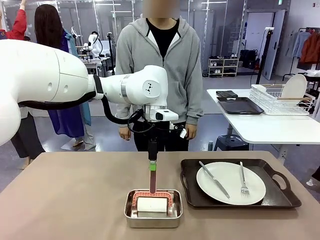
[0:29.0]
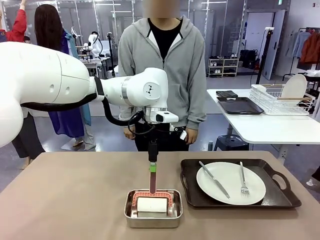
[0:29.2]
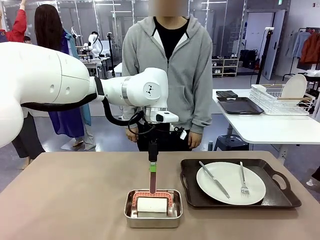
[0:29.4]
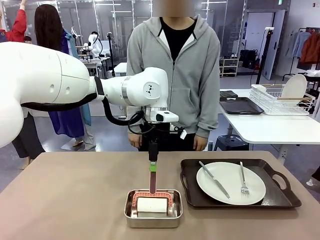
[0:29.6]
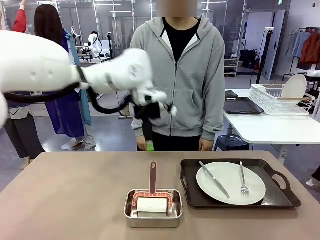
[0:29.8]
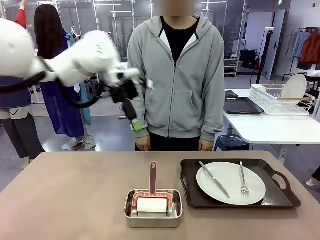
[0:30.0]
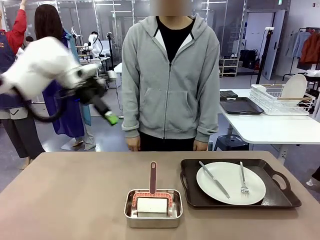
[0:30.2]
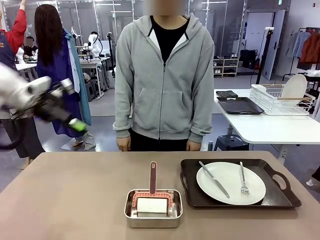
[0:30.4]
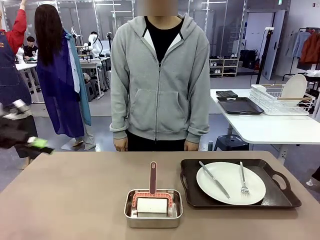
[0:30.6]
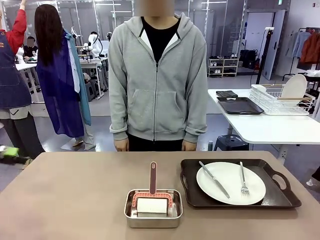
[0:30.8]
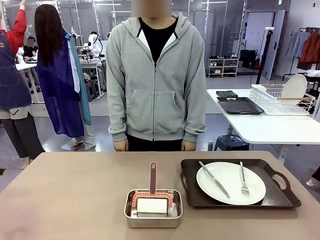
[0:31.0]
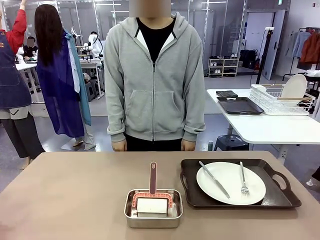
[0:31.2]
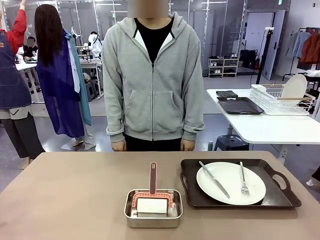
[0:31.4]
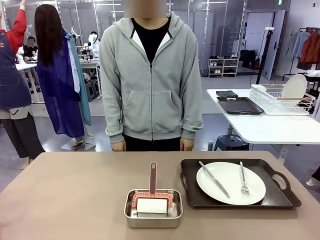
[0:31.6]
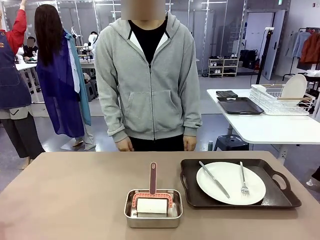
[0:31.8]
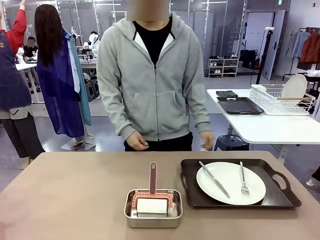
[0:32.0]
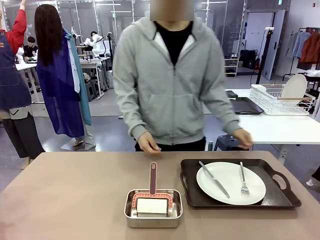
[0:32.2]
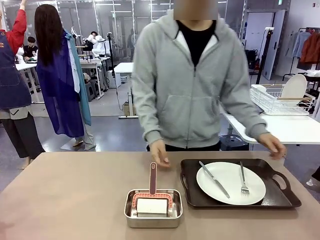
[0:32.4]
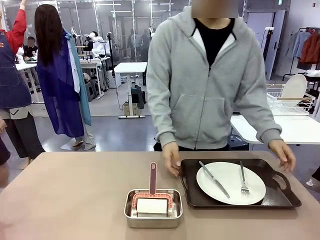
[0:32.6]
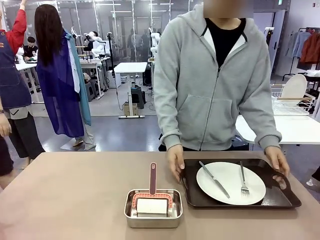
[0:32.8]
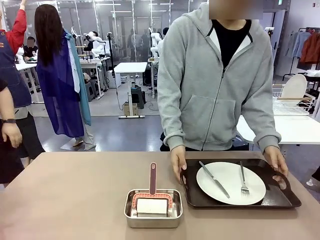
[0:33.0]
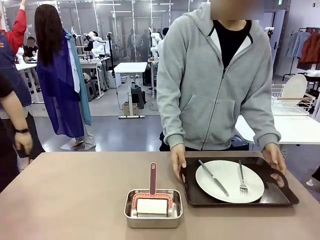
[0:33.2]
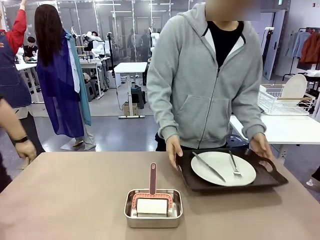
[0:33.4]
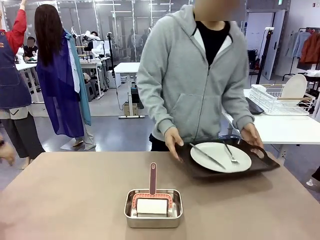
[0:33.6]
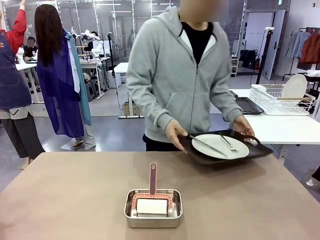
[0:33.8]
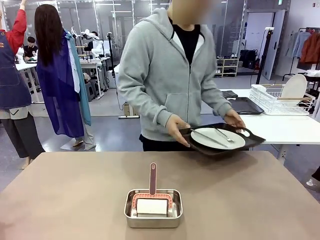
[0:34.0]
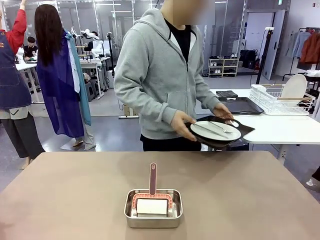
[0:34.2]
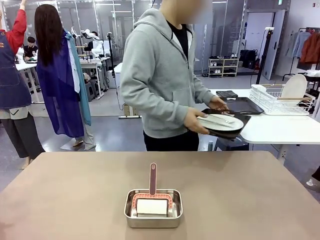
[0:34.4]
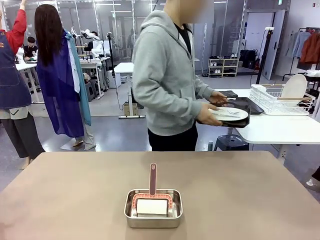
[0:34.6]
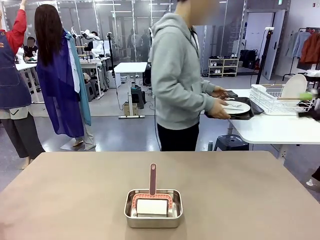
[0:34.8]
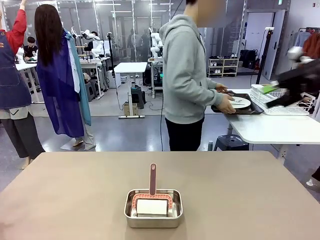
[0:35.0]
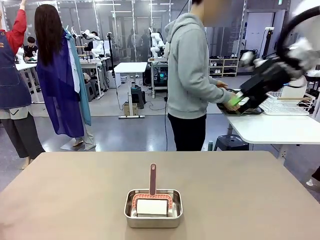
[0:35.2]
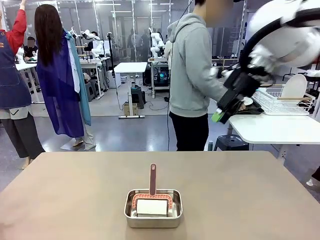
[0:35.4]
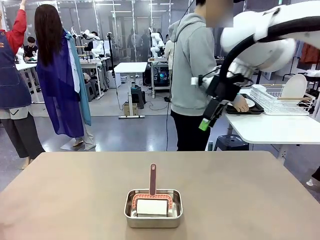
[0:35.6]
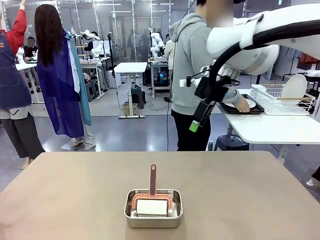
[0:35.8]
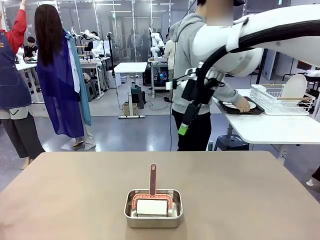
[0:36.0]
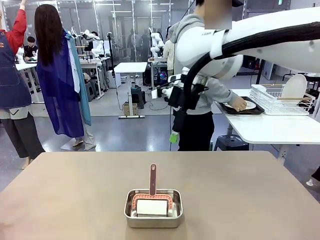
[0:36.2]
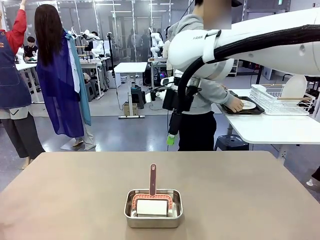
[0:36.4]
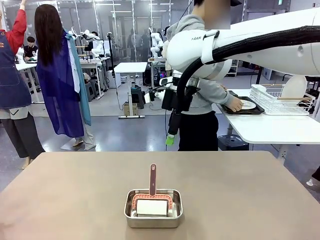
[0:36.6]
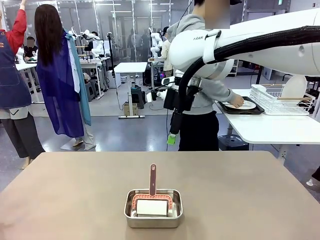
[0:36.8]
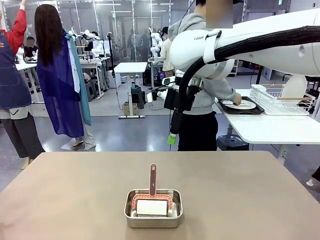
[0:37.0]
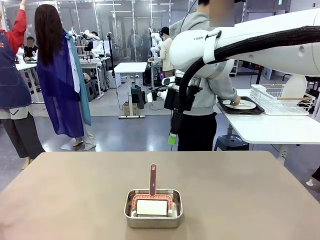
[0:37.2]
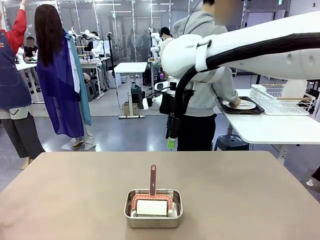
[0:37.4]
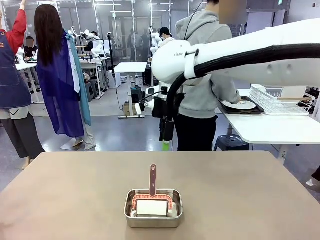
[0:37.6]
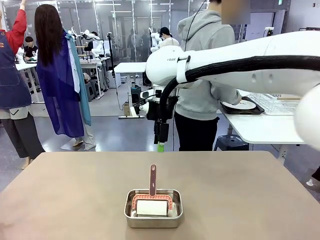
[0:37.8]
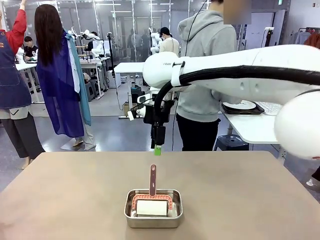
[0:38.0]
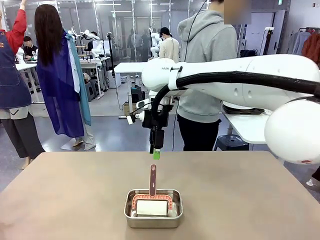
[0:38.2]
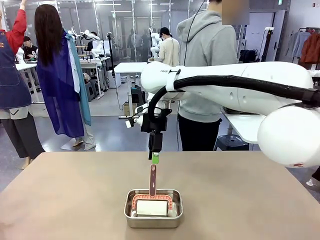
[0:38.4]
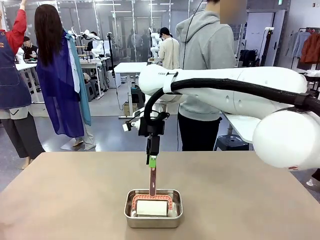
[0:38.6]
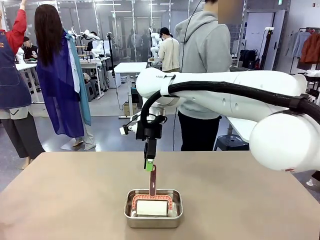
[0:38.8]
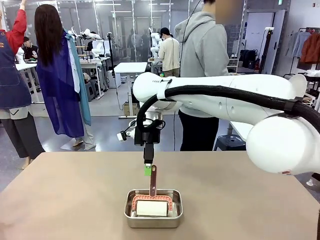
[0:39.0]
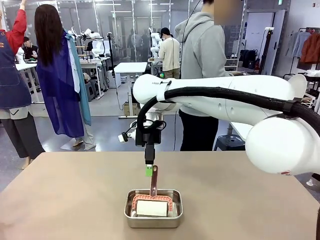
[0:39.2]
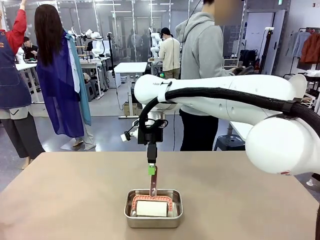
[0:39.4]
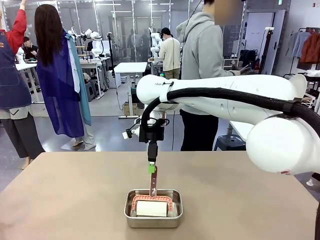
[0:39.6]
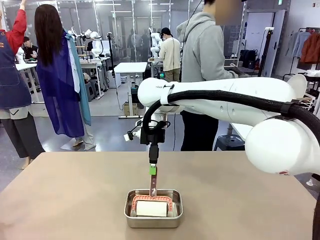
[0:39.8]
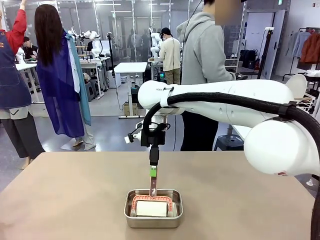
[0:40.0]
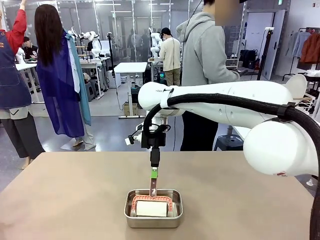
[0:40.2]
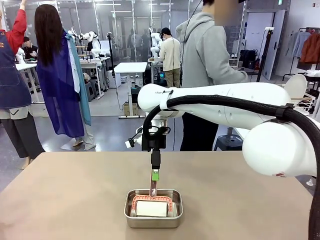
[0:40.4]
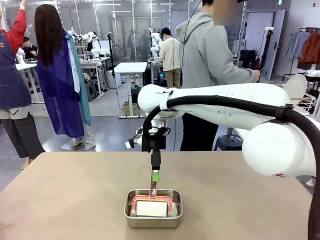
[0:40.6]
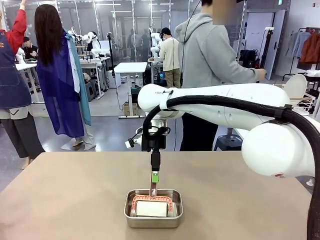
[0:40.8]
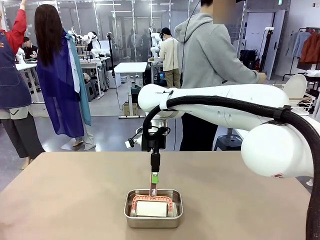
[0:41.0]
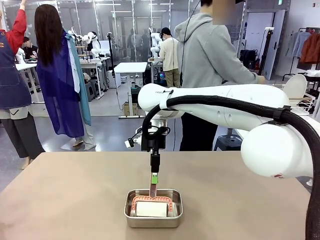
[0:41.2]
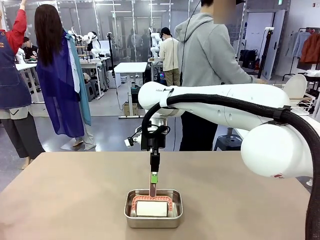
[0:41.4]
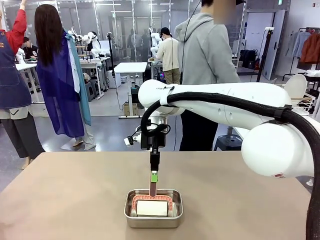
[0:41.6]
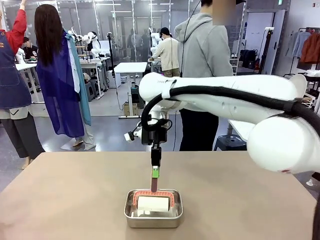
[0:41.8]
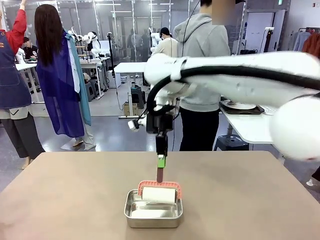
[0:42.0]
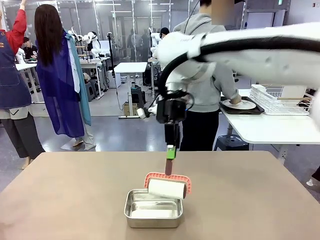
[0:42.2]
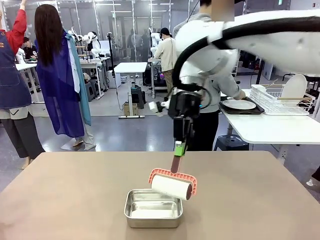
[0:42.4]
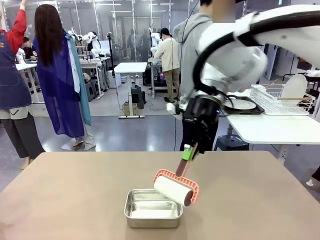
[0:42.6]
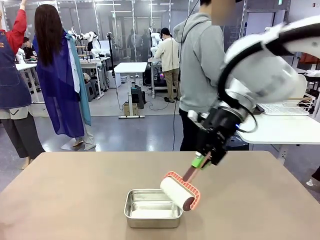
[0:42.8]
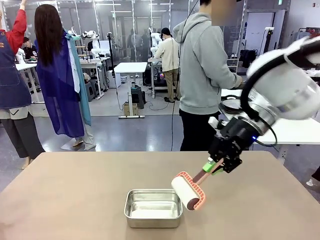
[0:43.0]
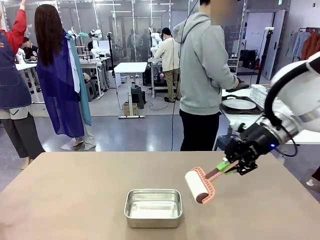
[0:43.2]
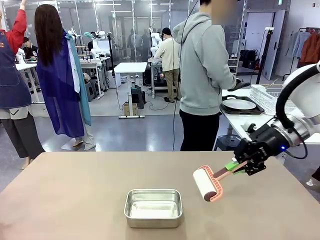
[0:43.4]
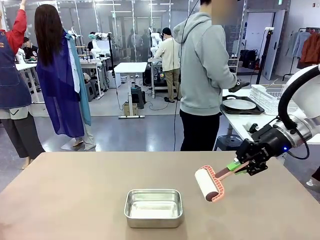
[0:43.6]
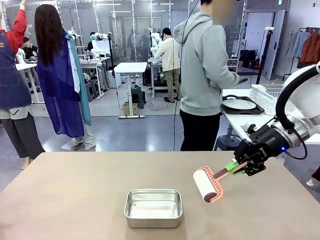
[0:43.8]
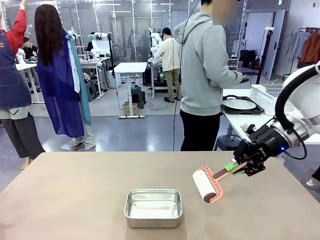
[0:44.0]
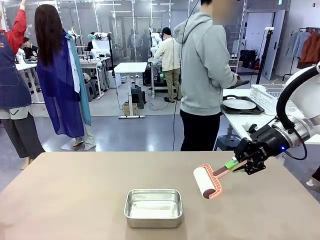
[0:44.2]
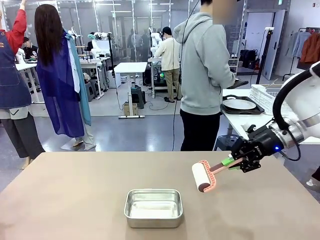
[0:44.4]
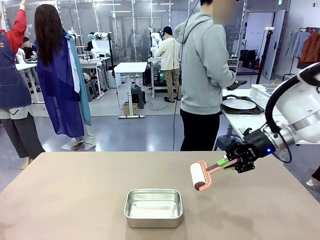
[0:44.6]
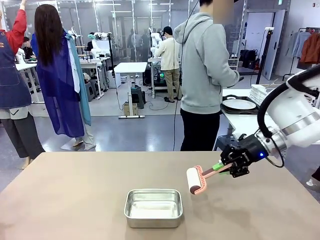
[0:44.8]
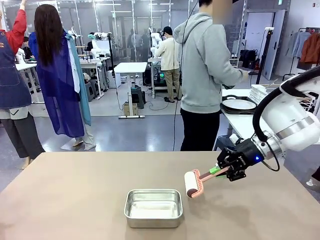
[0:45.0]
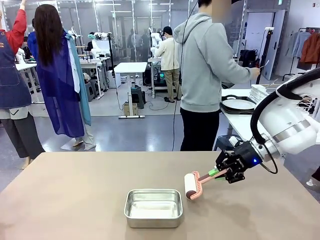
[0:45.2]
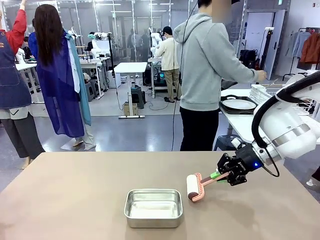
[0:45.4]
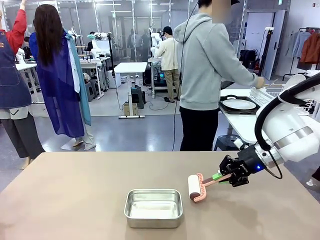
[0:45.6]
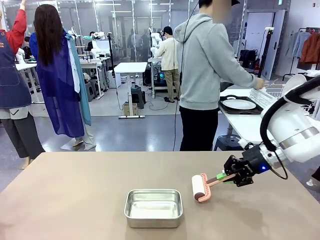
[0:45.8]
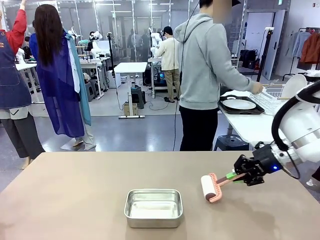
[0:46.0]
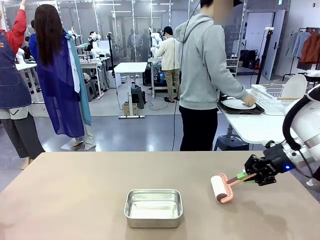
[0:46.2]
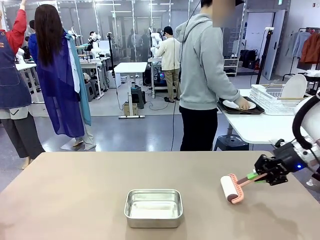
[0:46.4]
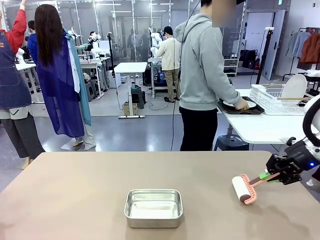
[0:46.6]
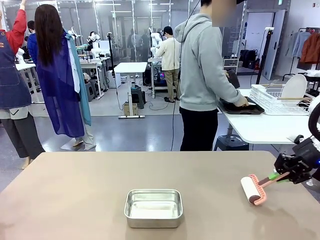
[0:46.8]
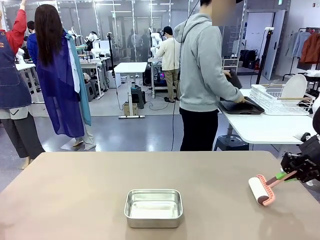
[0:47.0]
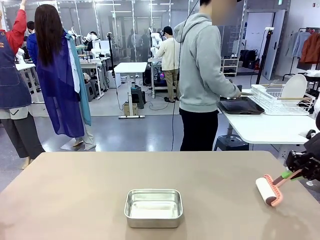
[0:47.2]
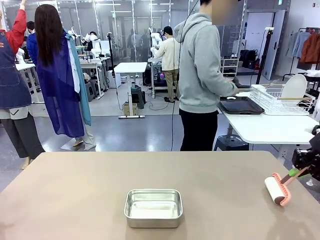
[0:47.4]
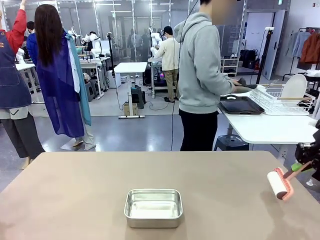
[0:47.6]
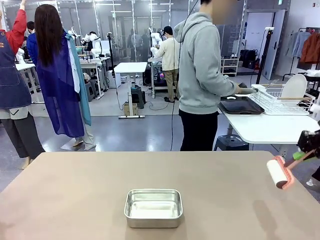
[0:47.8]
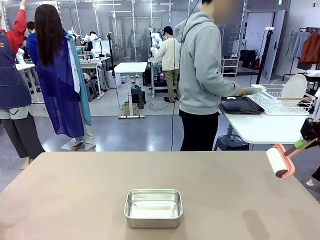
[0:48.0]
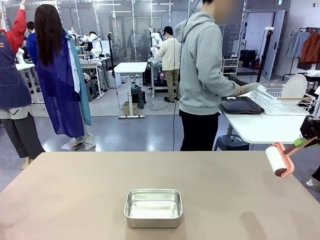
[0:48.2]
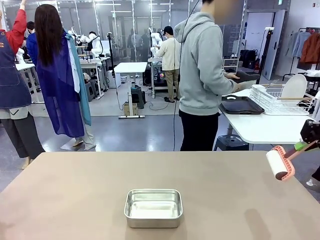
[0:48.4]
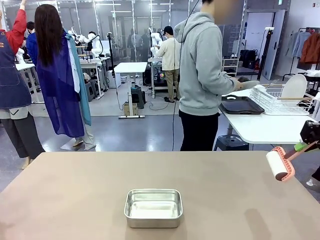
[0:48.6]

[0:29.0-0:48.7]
Robot: When the right (or left) Handle tray is removed, use the right hand (or left hand) to clean the right (or left) side of the table with the Lint Roller.
Person: Pick up the left (or right) Handle tray and place it on the Handle tray.
